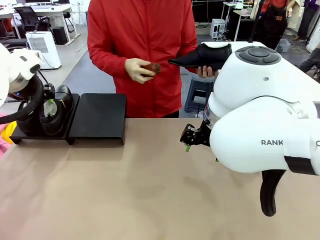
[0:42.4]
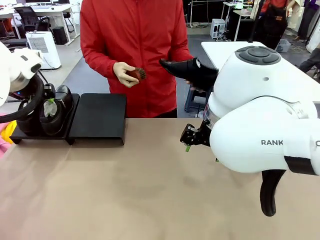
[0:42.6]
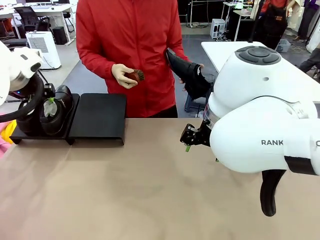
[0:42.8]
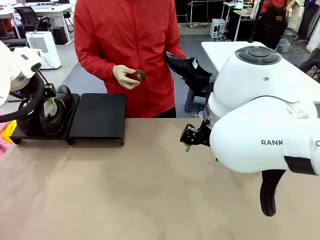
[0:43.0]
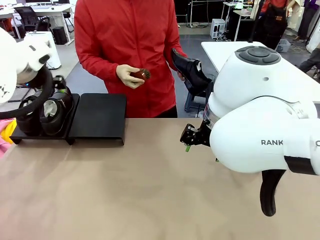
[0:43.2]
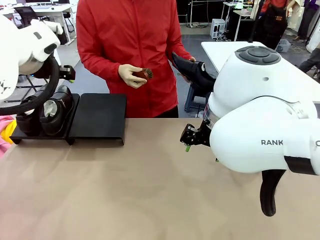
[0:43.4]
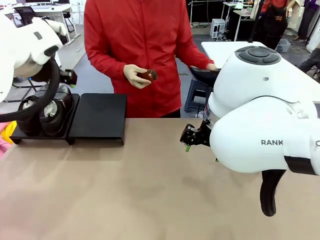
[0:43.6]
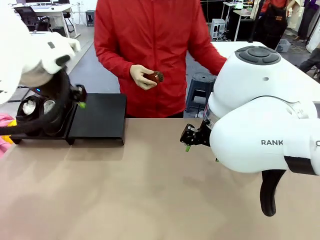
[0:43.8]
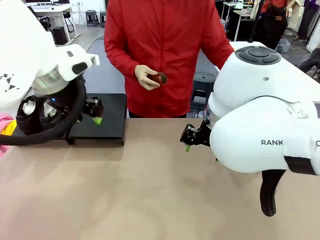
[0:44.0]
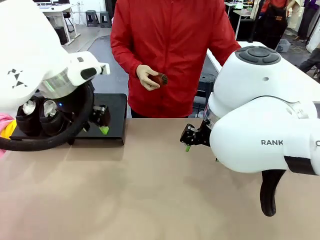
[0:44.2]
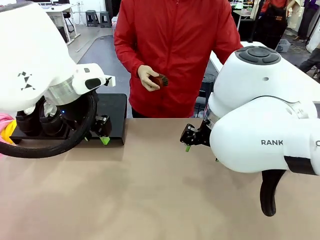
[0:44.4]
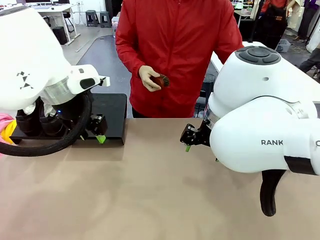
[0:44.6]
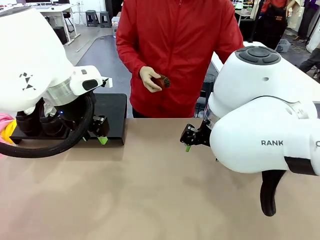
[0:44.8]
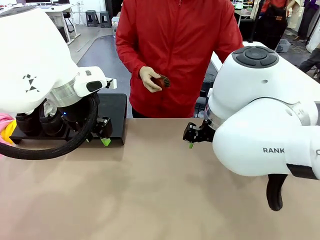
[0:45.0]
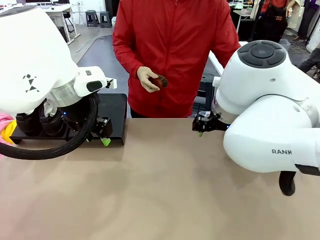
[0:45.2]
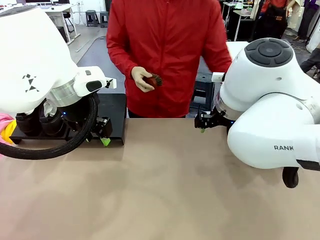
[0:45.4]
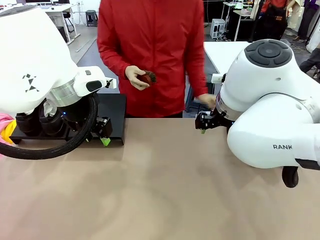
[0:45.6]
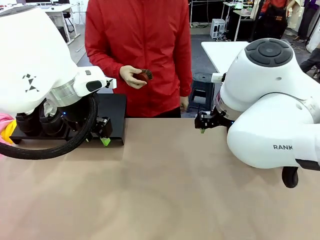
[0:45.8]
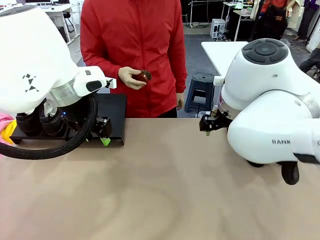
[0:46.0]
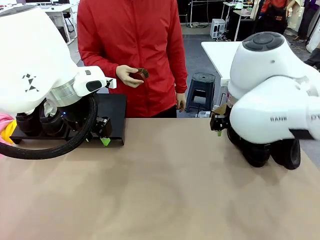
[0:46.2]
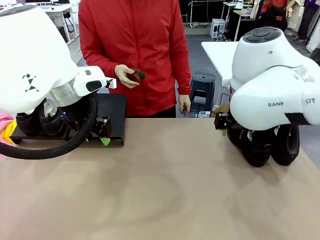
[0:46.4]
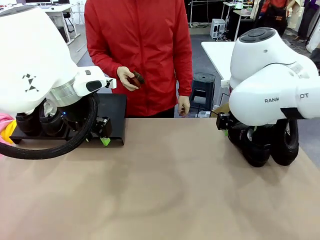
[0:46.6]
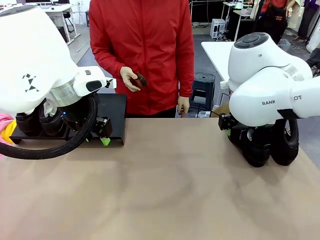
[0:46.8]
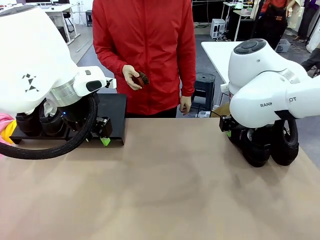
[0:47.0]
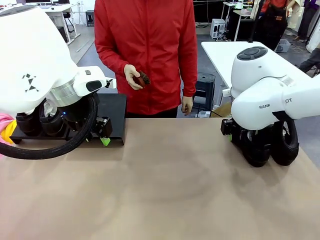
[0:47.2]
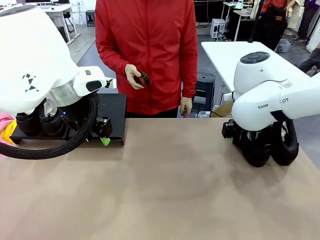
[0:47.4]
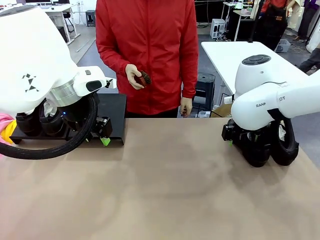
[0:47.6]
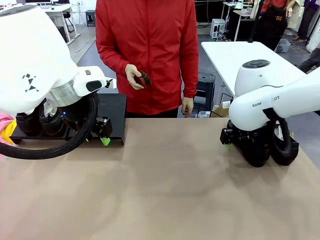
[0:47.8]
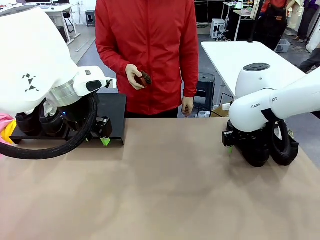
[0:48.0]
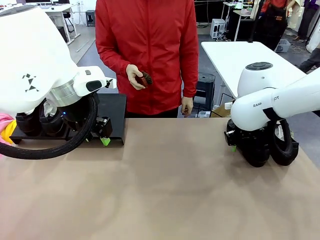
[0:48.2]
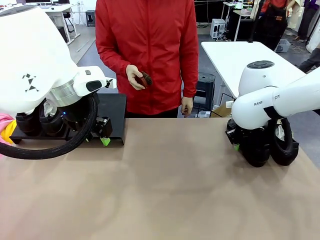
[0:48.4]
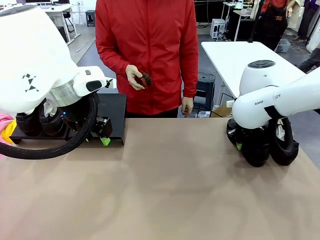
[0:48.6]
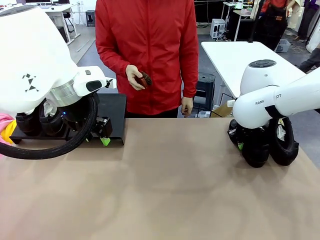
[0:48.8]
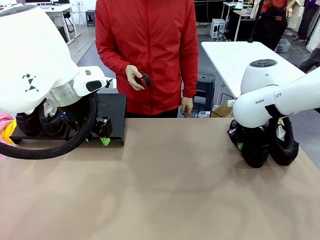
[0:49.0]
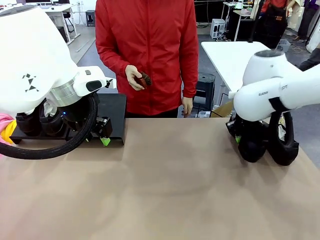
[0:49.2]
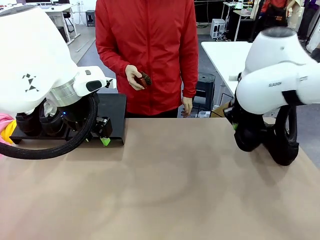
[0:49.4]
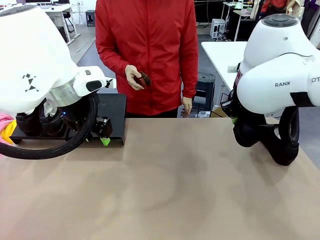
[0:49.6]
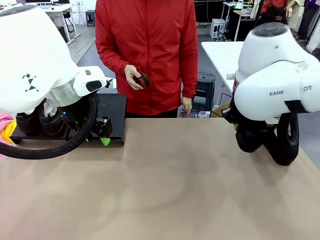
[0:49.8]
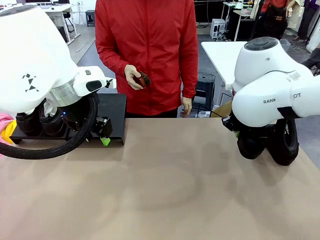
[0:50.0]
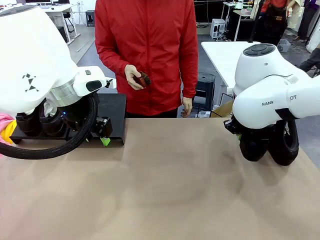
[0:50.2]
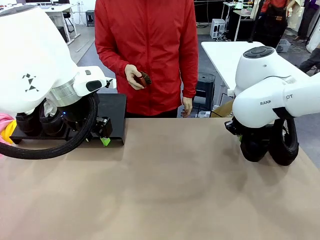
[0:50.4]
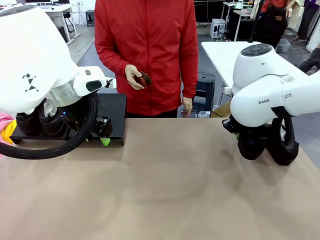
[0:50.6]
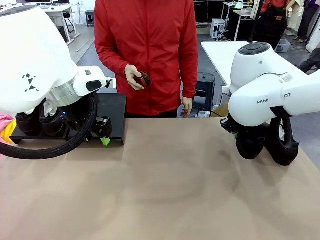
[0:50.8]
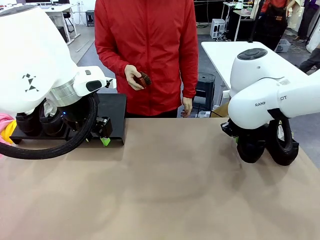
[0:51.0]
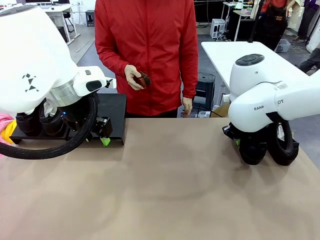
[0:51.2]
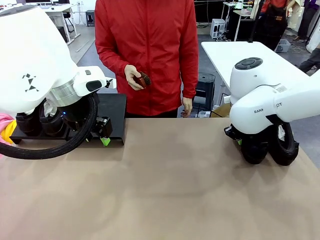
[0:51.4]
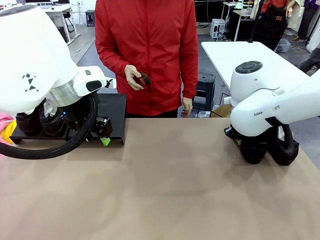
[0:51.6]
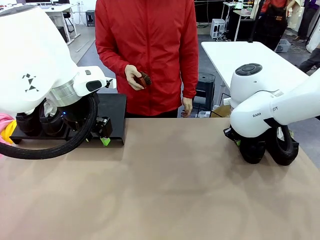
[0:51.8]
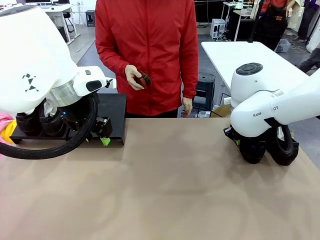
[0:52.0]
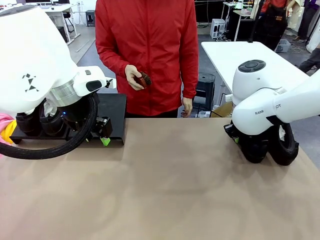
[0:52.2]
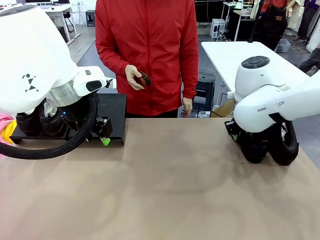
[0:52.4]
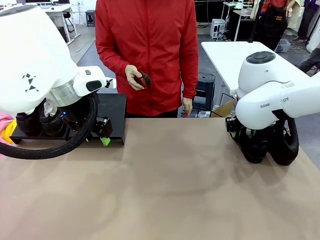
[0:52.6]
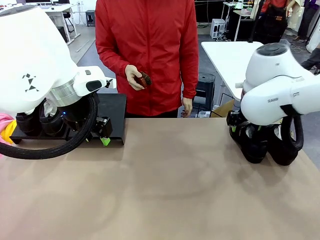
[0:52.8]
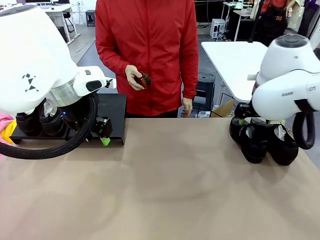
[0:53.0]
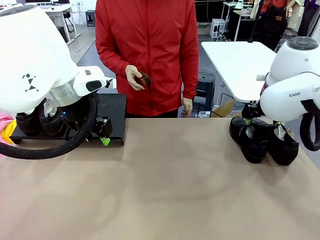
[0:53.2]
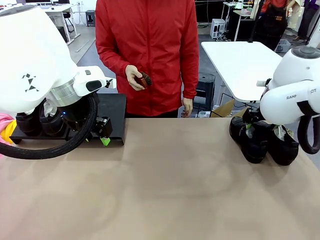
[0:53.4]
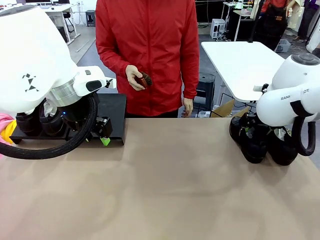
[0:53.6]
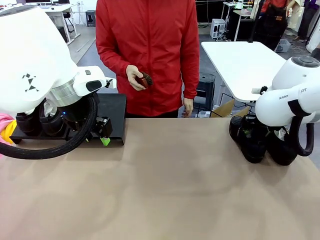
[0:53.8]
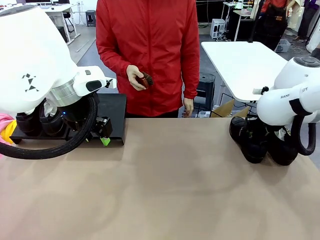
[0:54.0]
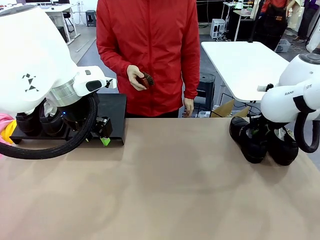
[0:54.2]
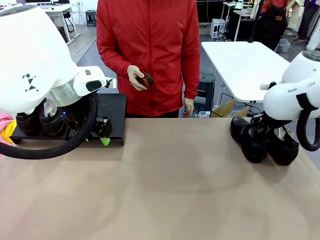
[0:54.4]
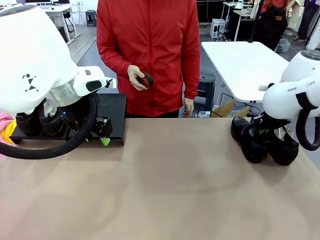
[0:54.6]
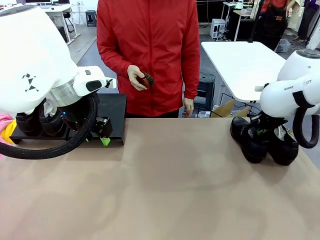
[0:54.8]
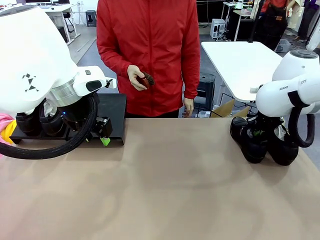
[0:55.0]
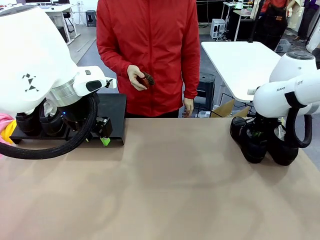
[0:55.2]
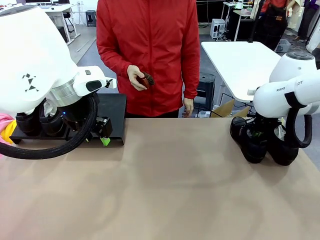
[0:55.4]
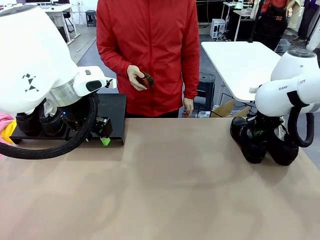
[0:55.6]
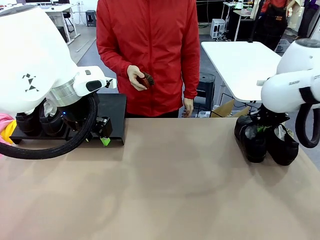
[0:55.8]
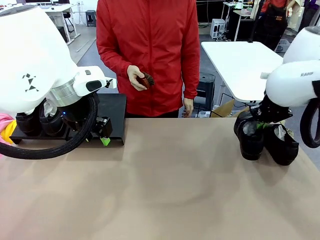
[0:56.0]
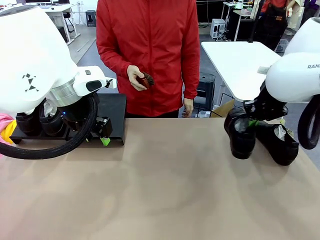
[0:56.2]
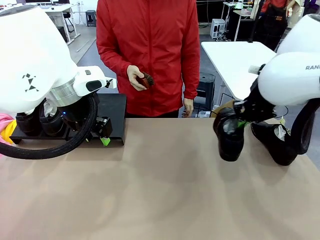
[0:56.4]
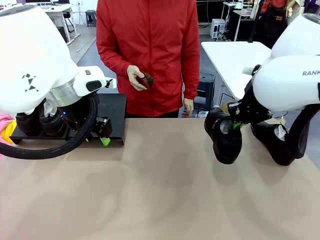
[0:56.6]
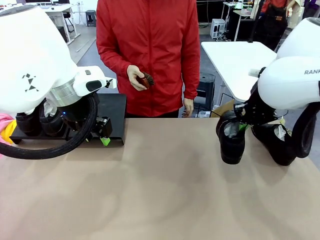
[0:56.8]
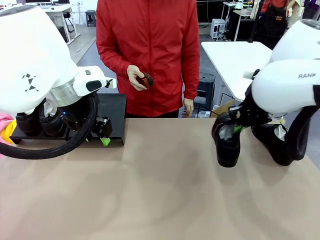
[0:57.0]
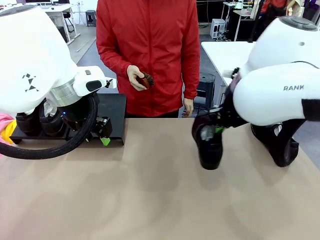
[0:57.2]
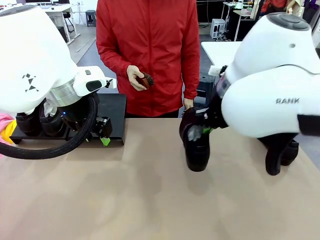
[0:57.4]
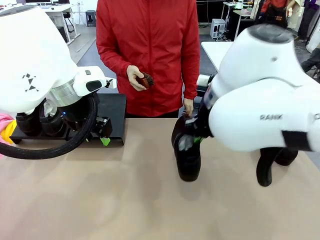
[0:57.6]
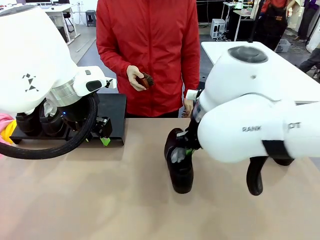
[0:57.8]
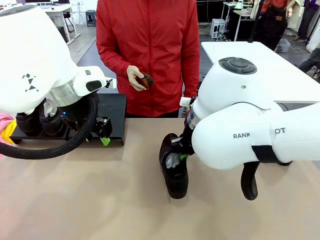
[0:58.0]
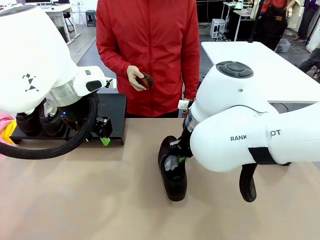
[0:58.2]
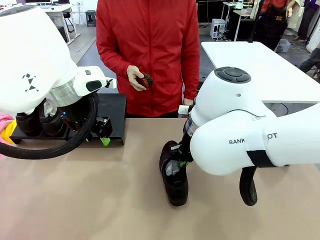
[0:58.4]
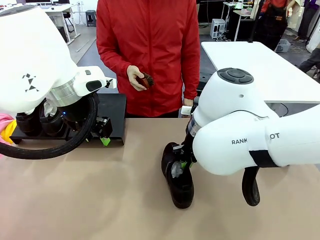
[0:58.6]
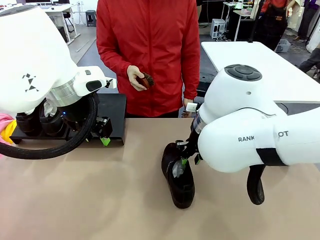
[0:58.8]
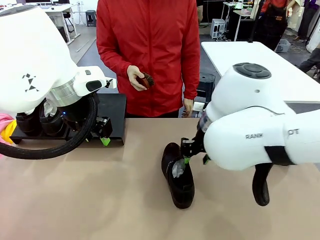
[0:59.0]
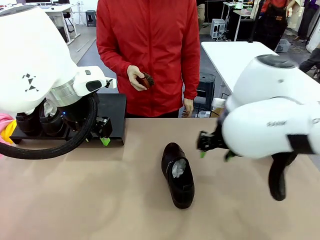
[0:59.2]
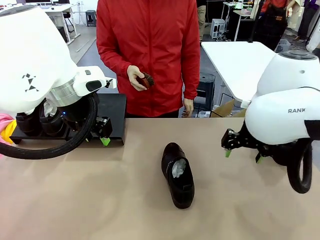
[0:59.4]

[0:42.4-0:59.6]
Task: Organize the shoes by placing them on the stand.
Robot: Pick up one Shoe and place it in the middle of the table.
